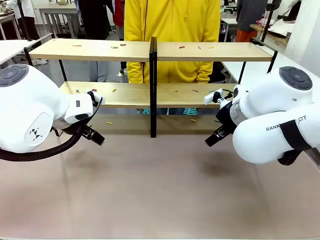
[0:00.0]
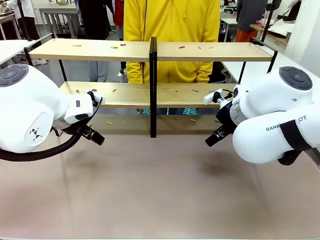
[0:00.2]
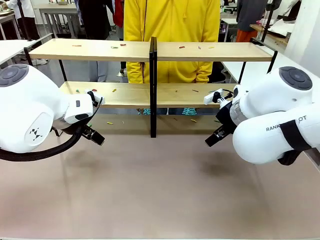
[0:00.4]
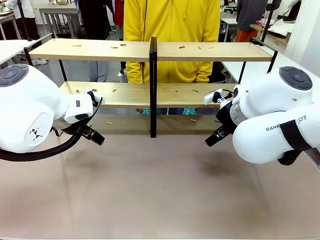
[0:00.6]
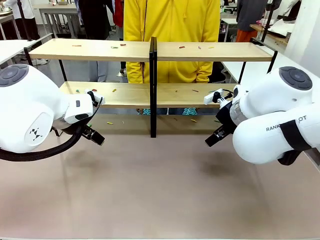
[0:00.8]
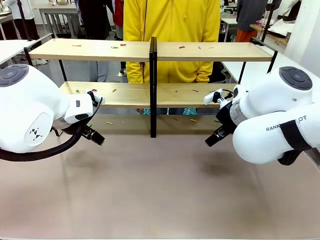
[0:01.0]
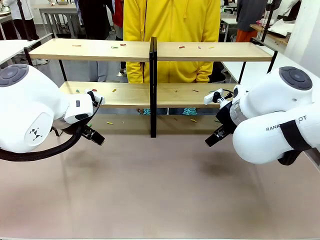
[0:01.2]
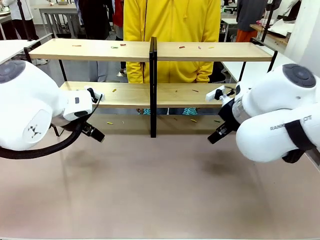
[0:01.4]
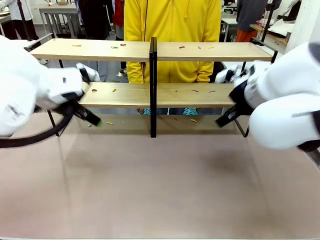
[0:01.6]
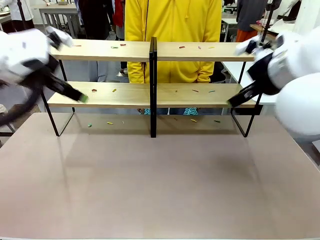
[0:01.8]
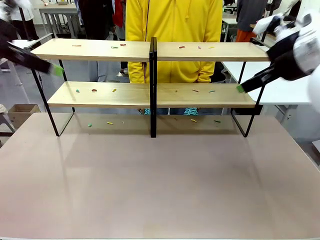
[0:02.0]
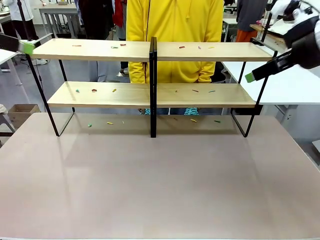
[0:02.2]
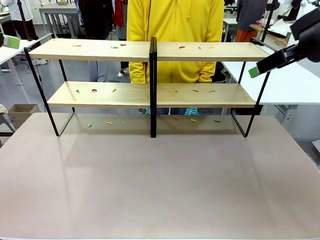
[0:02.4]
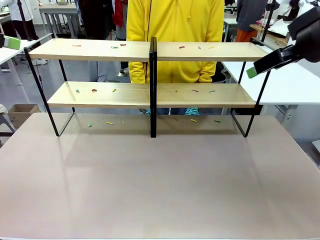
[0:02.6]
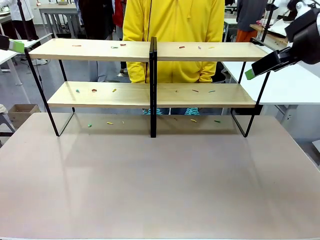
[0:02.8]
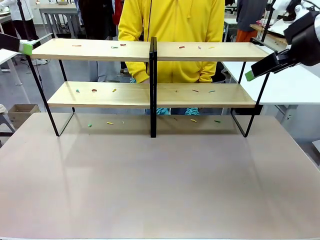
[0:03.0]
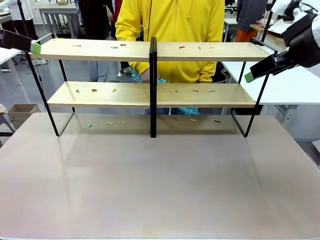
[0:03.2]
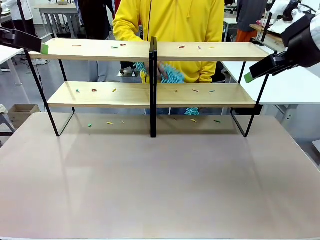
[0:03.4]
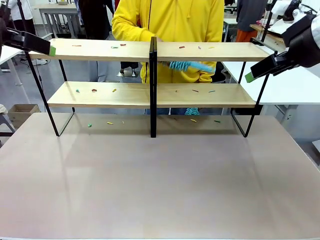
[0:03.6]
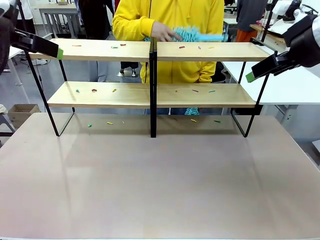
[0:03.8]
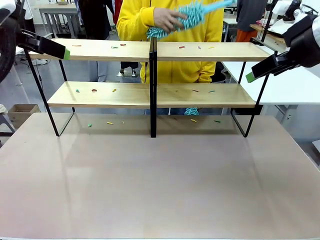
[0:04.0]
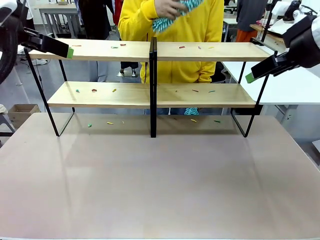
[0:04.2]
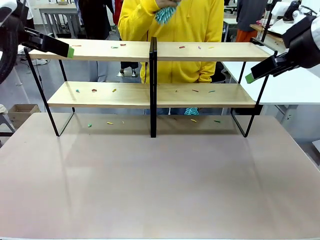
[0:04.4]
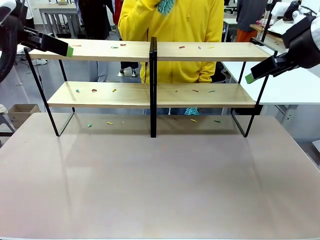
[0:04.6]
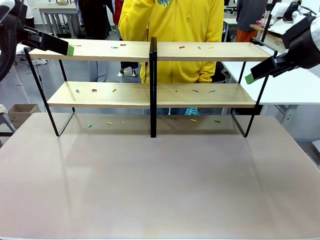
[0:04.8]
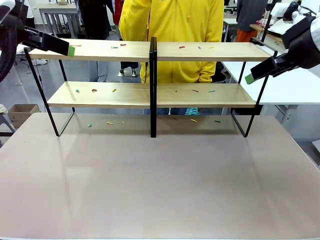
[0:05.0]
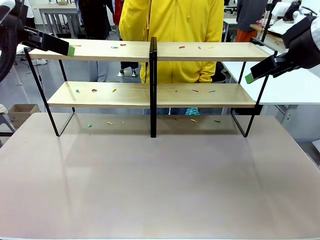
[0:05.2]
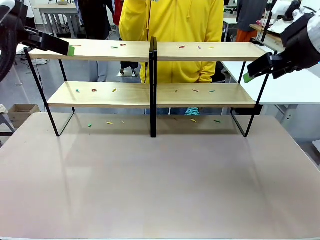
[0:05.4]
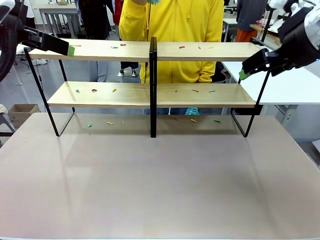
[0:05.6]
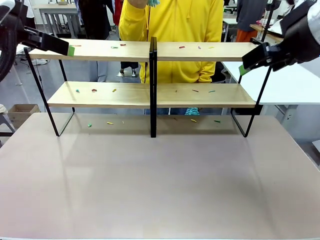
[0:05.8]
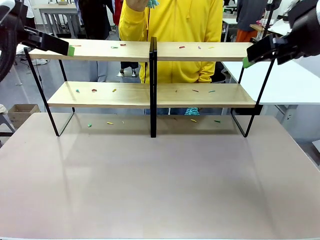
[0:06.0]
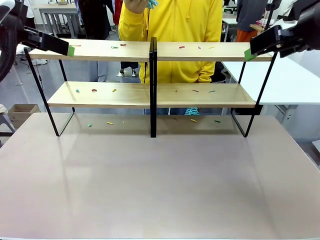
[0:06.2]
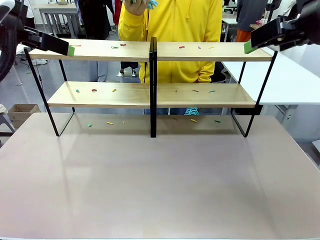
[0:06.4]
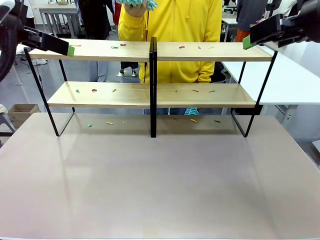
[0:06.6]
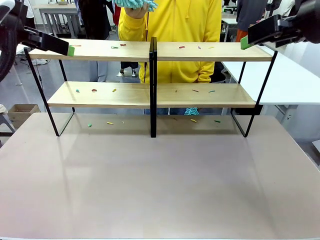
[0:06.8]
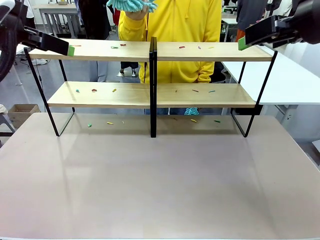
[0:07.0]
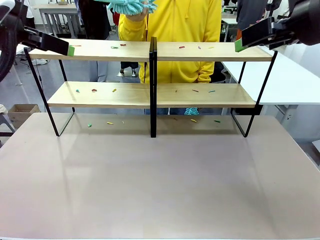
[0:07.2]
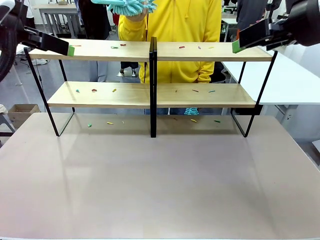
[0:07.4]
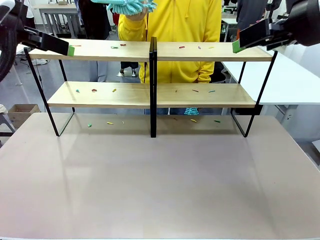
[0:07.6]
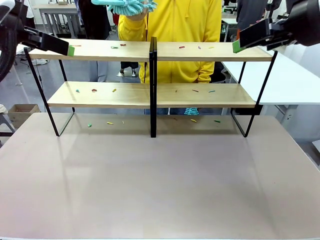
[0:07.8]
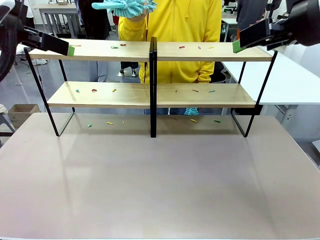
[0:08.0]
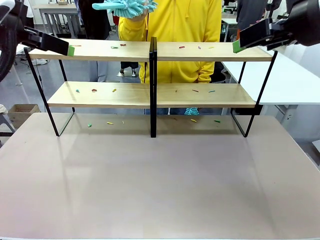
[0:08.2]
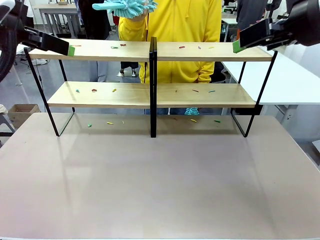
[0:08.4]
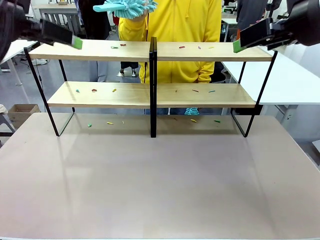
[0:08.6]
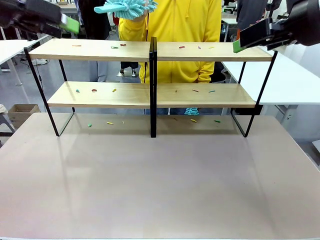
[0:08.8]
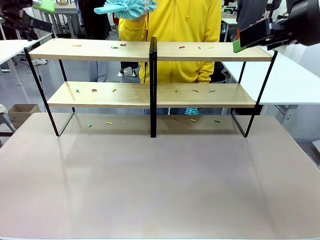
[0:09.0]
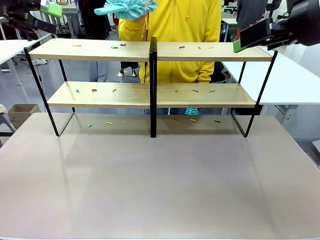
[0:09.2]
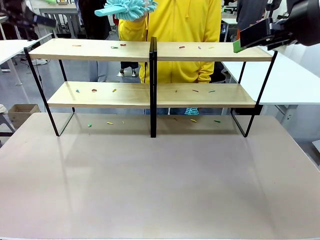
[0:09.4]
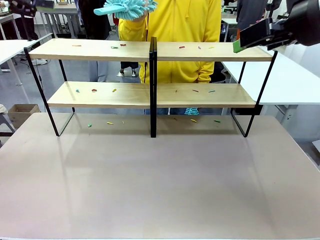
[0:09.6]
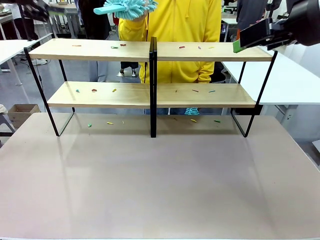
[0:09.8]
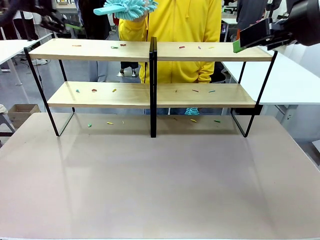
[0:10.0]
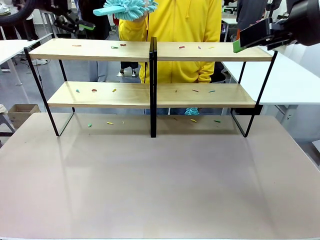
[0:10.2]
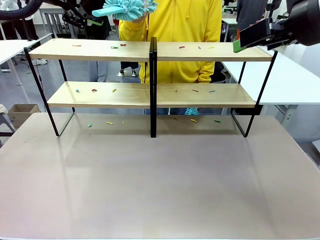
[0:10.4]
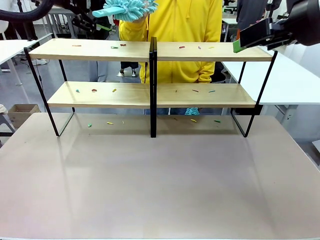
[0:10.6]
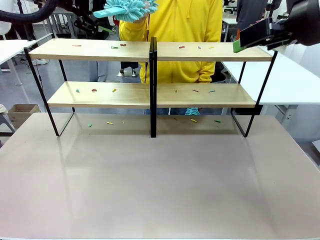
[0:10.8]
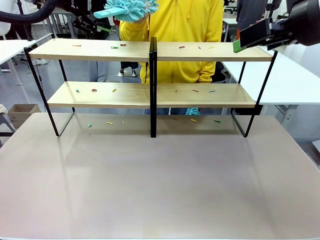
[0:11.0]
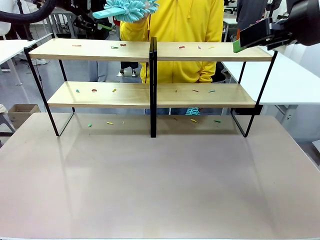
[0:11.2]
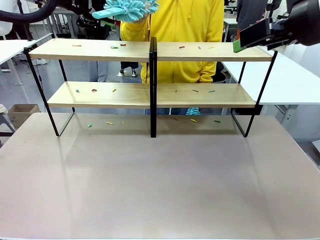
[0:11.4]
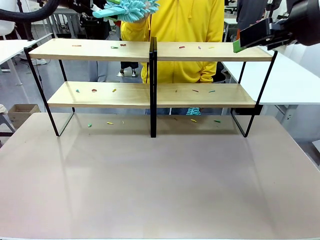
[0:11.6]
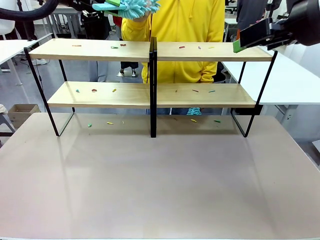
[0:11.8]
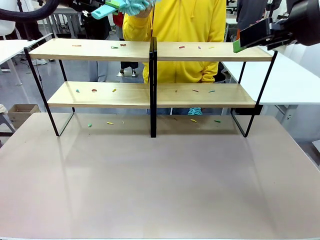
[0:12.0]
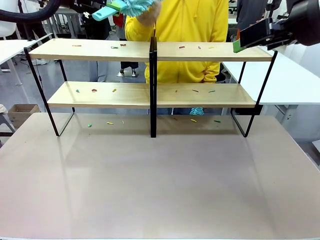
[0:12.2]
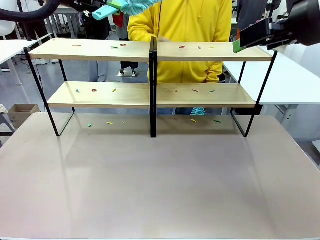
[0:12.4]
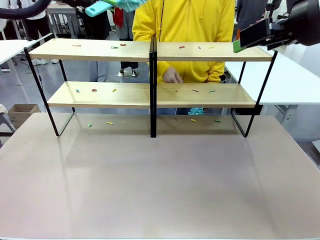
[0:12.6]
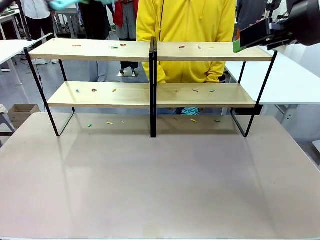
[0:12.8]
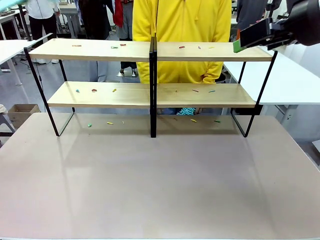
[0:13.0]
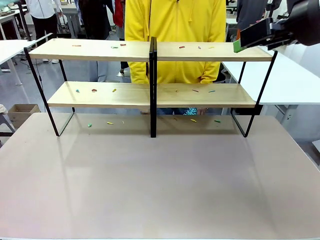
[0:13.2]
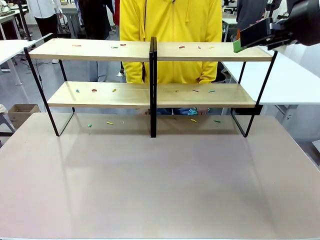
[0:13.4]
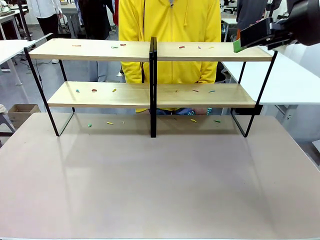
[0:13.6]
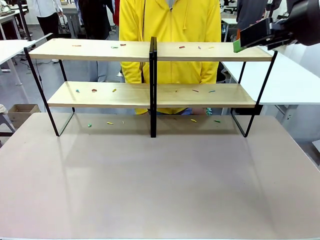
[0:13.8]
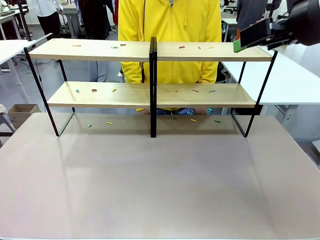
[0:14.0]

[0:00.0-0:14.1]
Task: Clean the shelves.
Robot: Pick up the Duster when the human hands it over.
Person: Hand the Duster to the robot with your right (or left) hand.

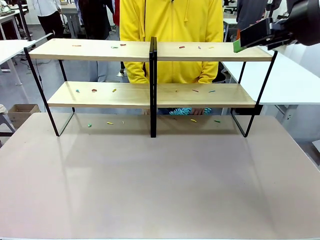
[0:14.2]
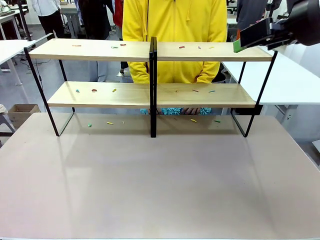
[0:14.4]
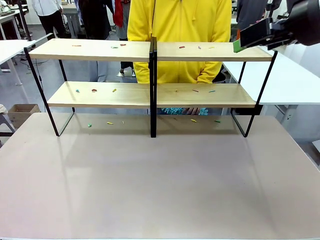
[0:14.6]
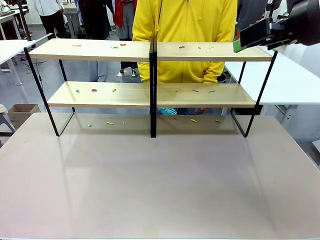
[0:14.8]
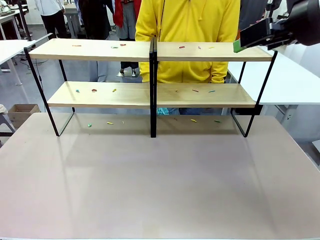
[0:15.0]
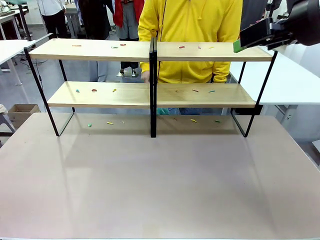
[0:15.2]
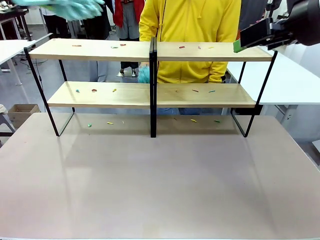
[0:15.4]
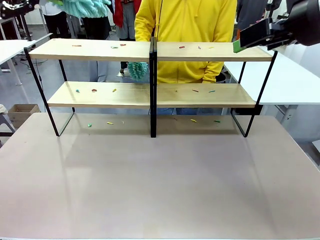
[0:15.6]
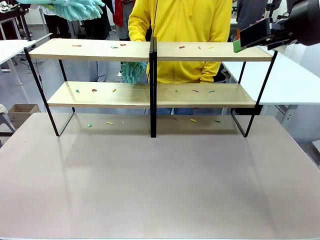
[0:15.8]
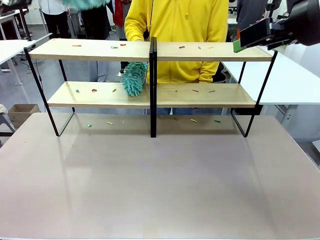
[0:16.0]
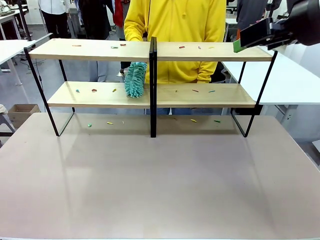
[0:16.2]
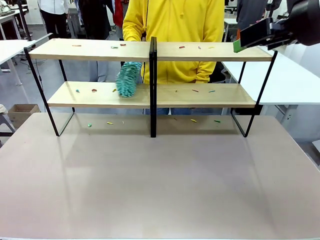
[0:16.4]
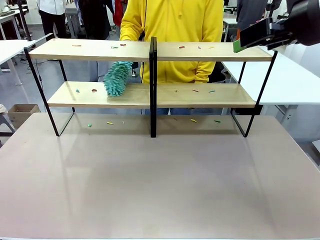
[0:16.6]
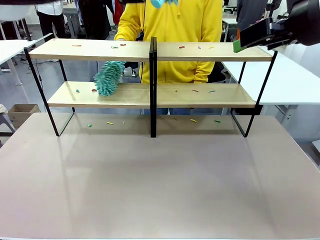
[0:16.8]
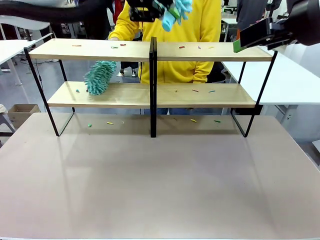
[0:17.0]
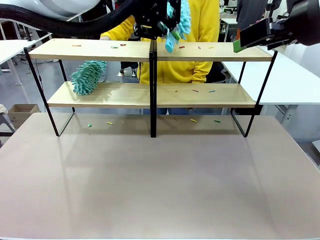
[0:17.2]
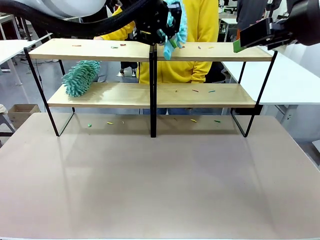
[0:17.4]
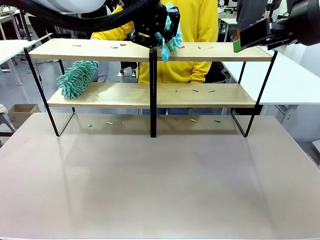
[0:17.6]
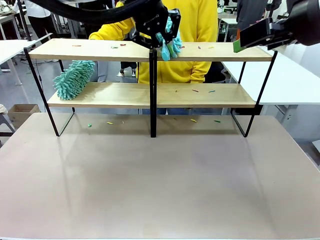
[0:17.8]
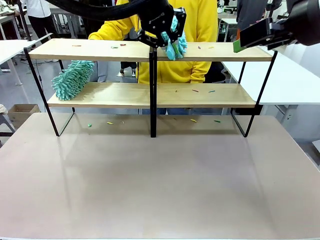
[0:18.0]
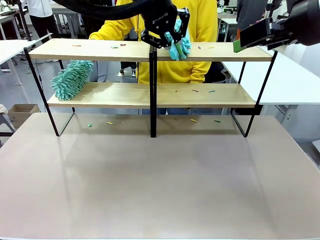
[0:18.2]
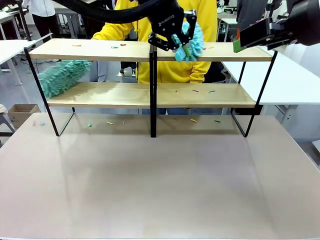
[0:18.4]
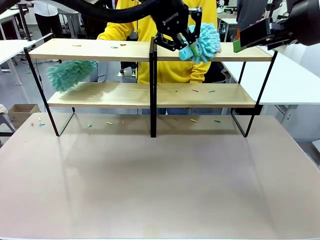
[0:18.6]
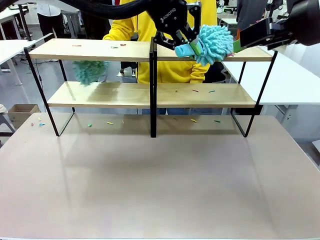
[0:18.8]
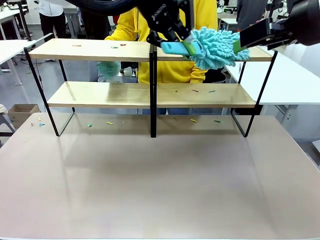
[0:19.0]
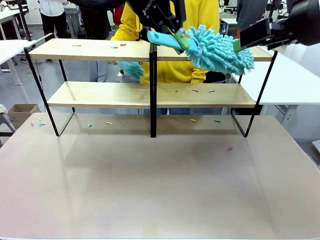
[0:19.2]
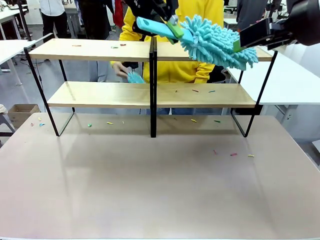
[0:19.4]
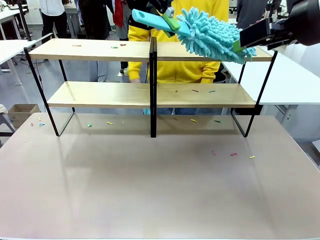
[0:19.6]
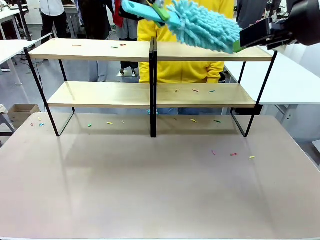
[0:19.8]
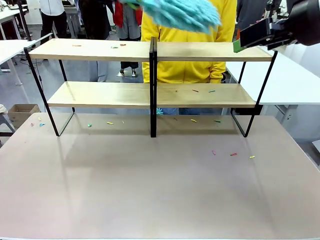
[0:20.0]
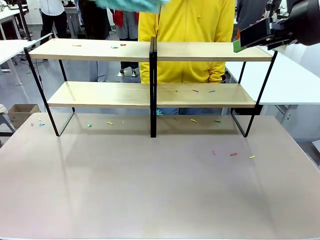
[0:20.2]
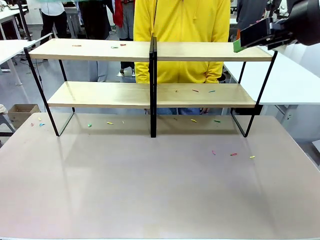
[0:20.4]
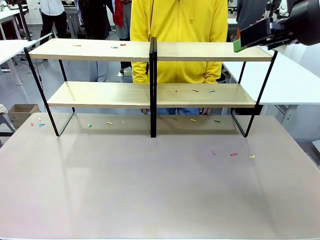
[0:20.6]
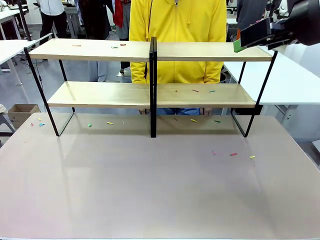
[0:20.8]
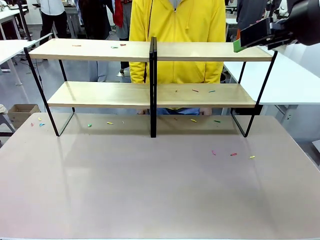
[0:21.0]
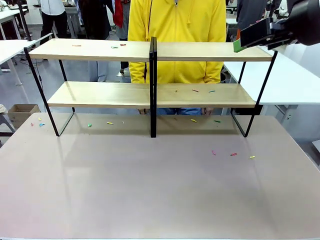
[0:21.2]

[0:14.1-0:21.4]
Robot: Clean a randomly selected level of the Shelf with the Duster.
